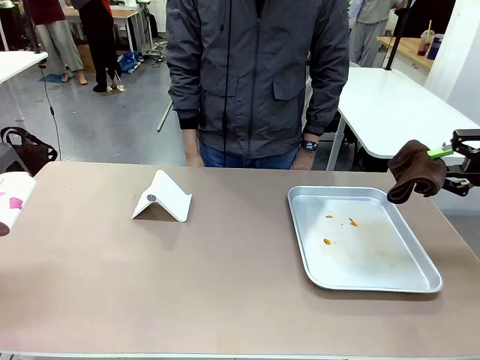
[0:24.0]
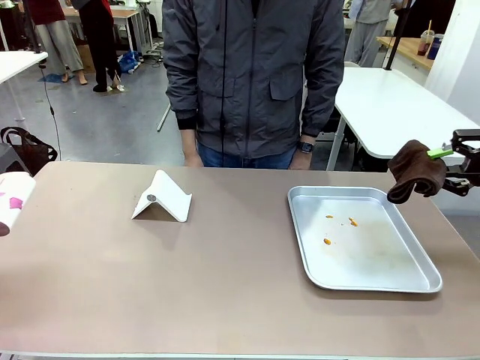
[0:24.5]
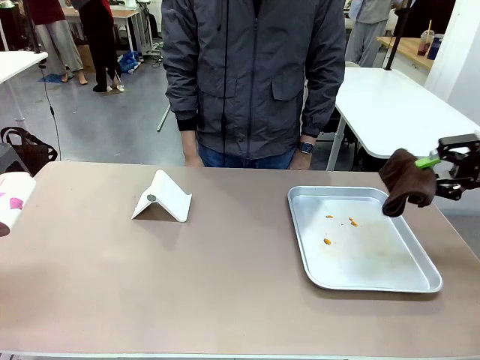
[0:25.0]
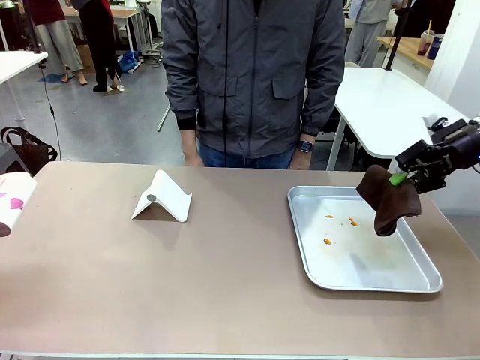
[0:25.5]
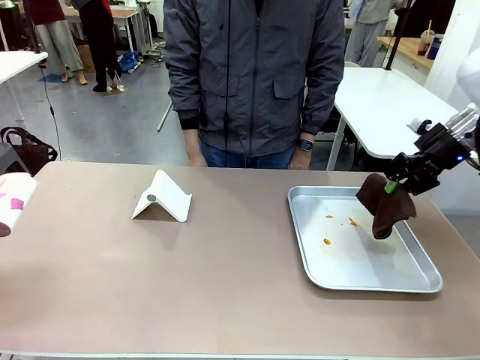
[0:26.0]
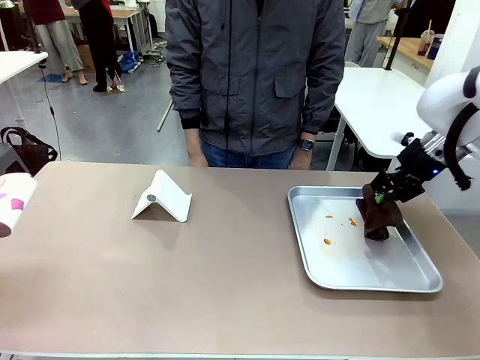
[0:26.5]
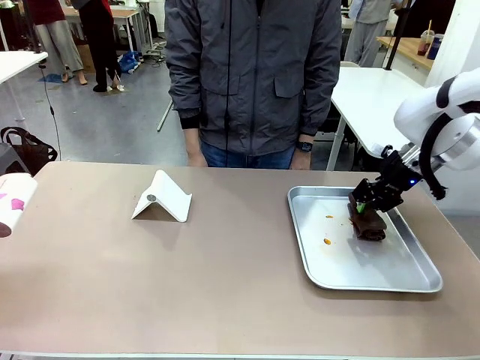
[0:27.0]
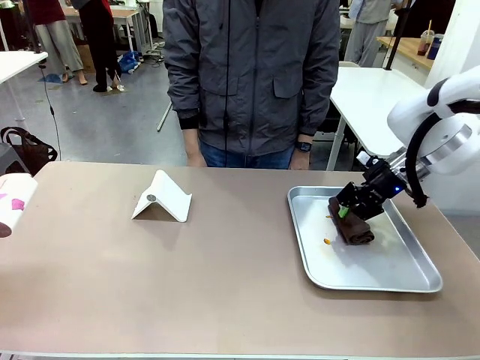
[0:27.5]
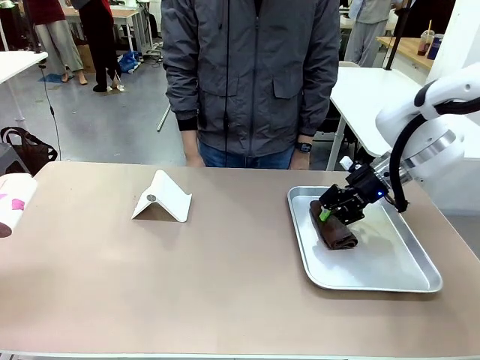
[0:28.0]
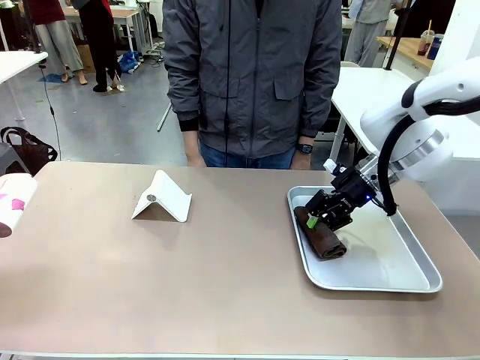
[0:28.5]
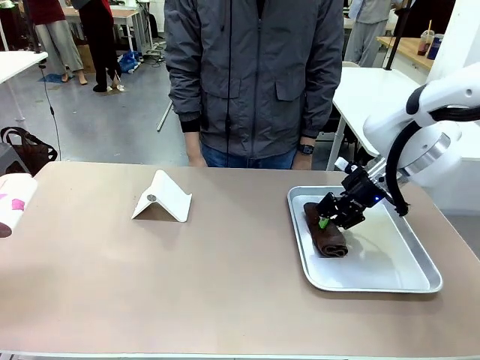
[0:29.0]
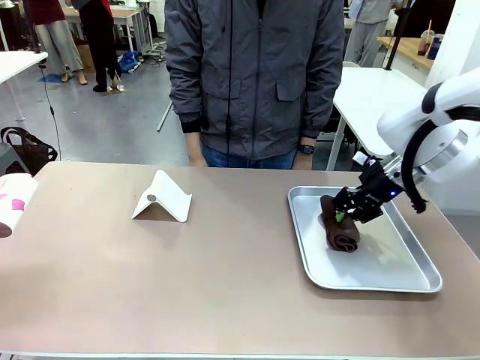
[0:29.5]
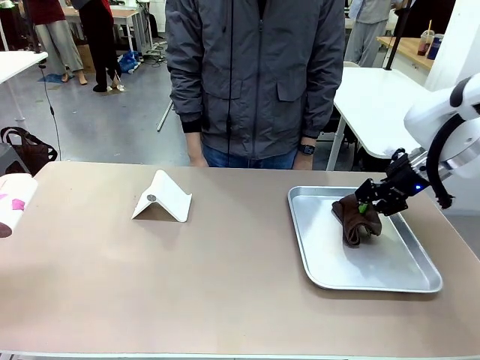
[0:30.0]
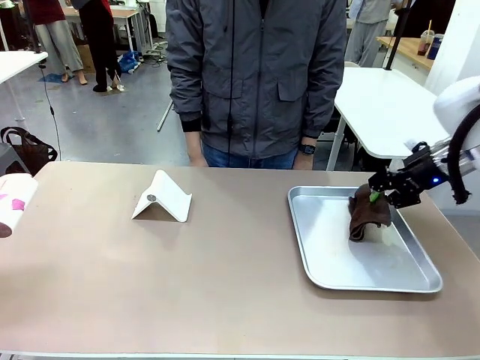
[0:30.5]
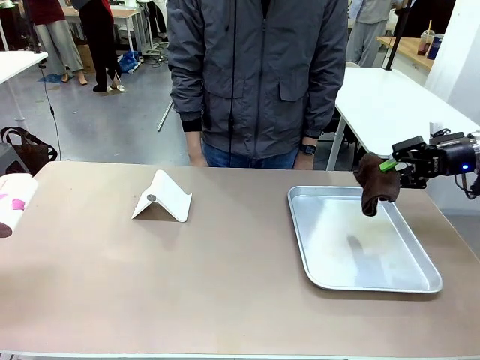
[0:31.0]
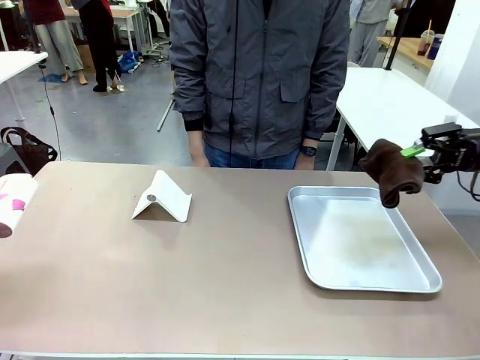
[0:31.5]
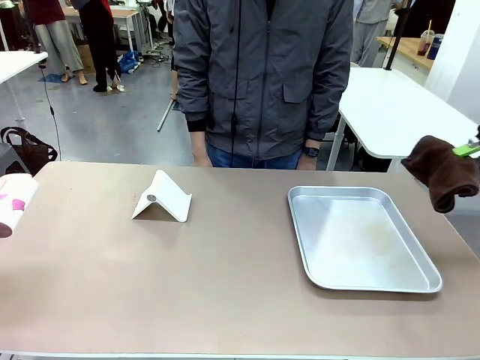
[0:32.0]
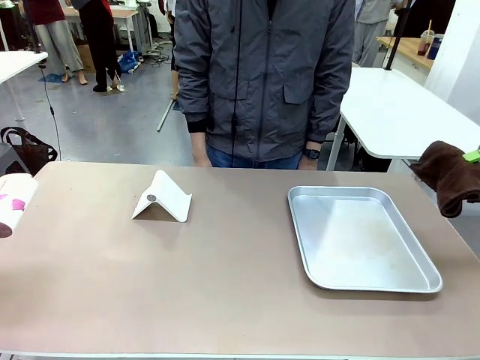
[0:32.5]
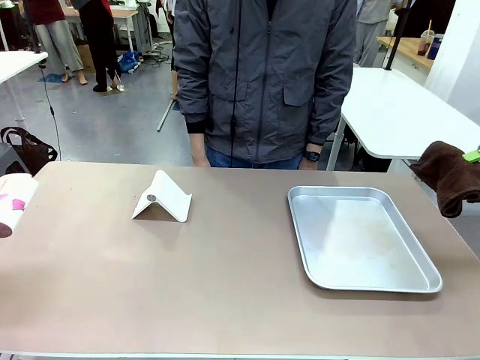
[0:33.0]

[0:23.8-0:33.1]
Task: Clean the surface of the table.
Robot: Clean the area not pointed to by the person.

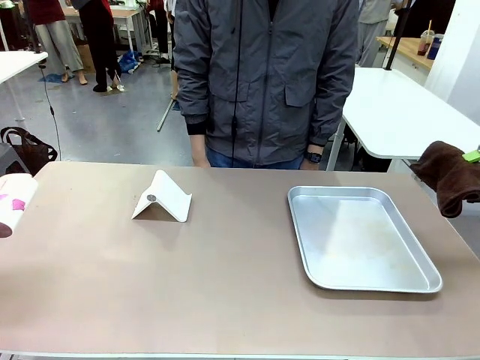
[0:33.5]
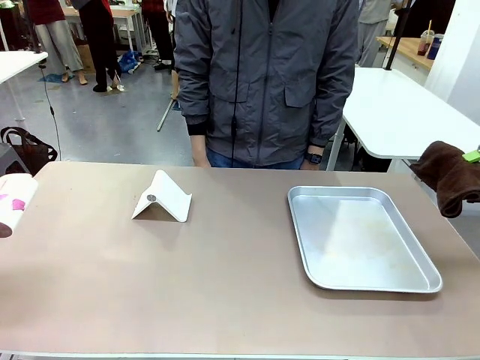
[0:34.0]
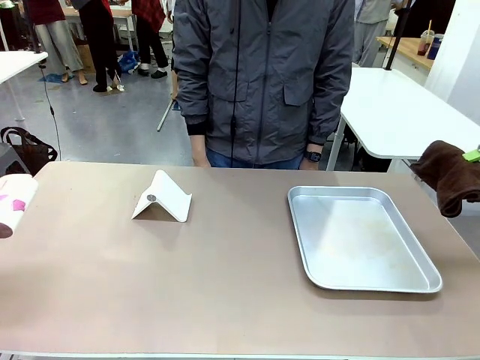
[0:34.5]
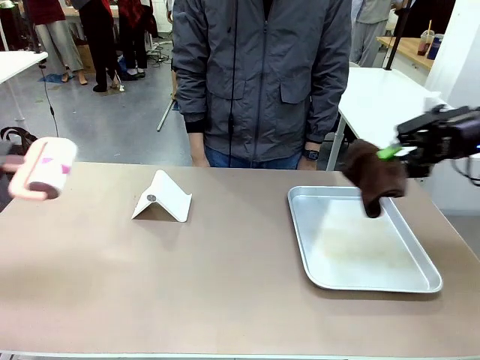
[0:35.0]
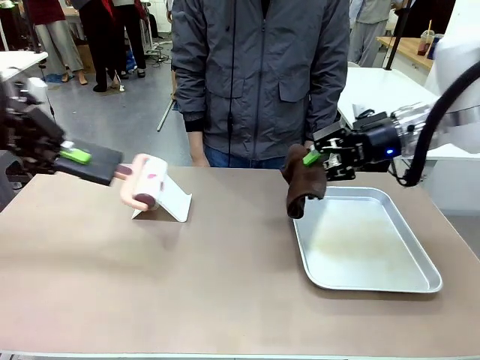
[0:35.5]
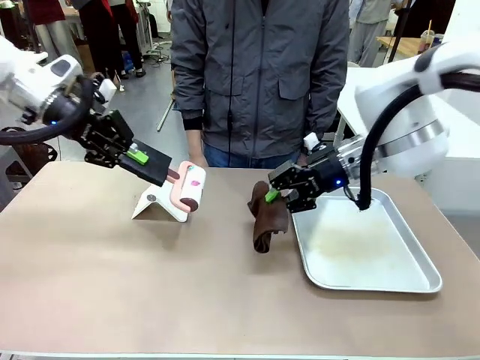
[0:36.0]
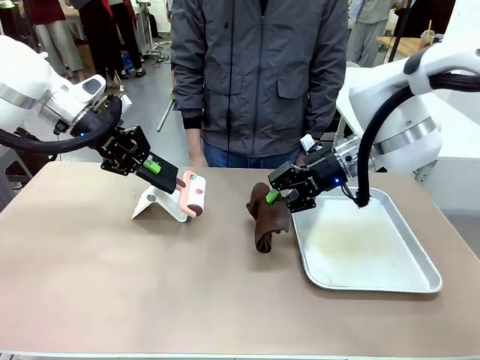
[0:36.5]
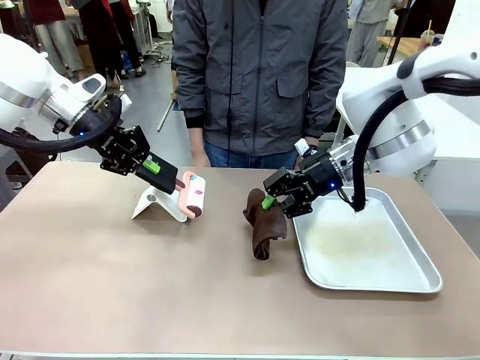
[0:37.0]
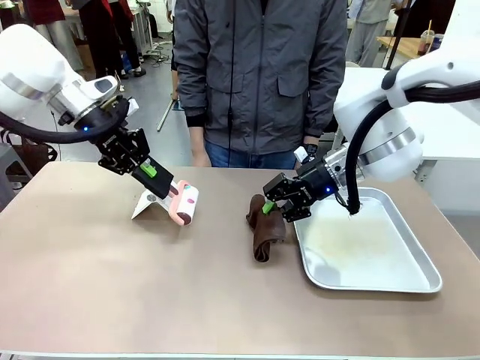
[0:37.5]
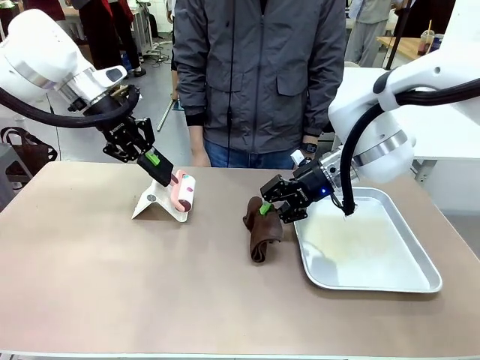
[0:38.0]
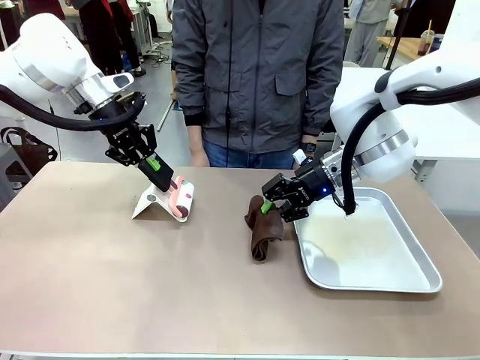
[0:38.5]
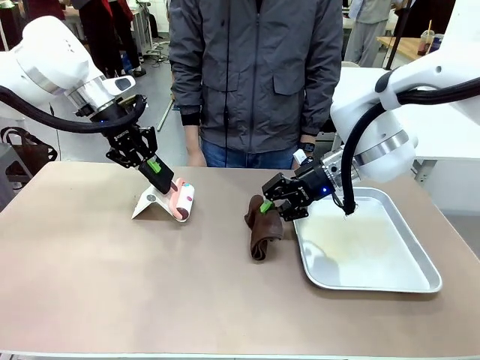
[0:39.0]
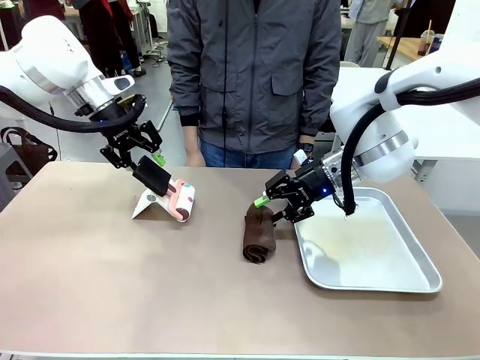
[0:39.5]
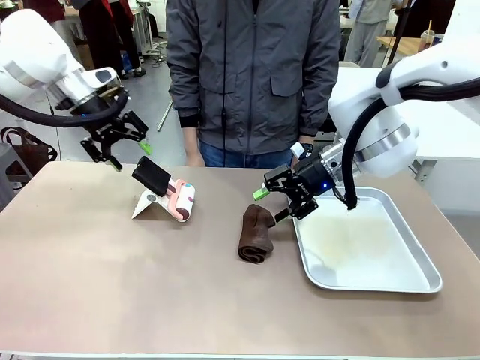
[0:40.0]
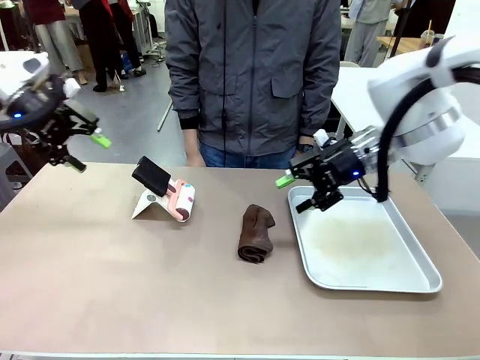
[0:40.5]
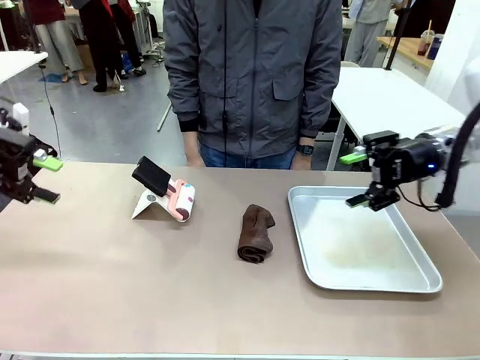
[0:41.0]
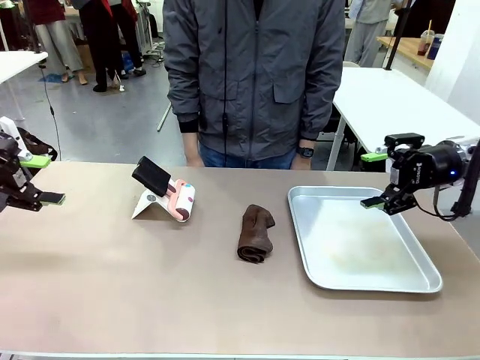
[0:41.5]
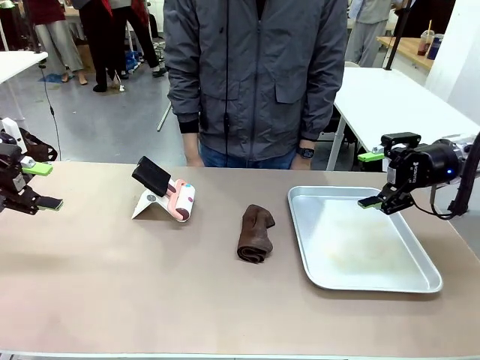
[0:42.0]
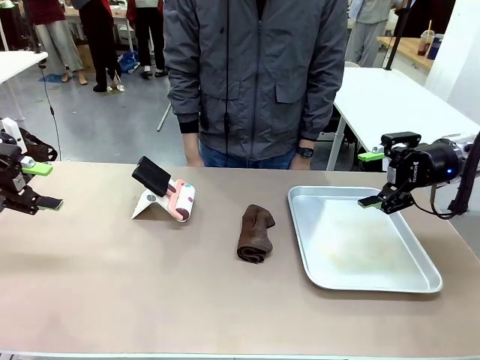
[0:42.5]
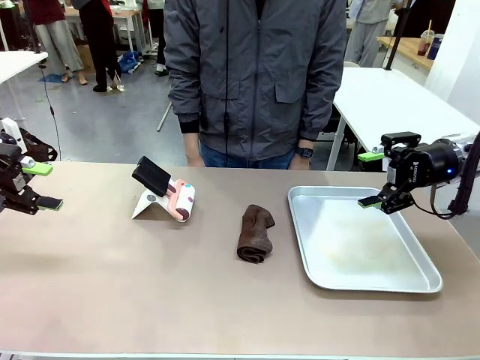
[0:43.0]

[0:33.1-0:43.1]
Robot: Return the Lint Roller and towel to their original positions.

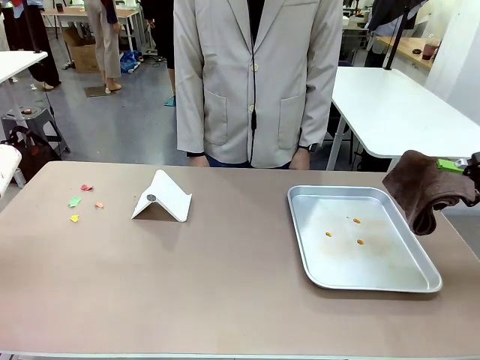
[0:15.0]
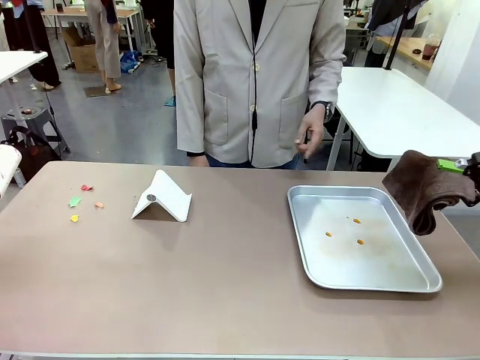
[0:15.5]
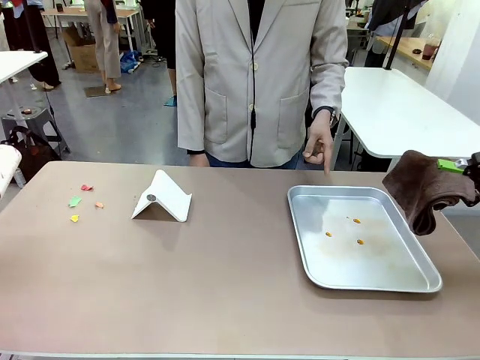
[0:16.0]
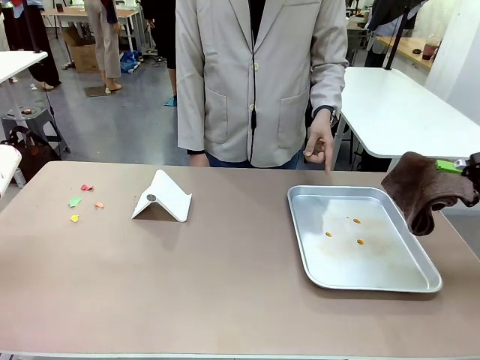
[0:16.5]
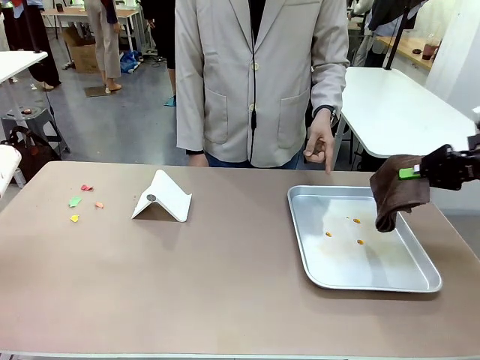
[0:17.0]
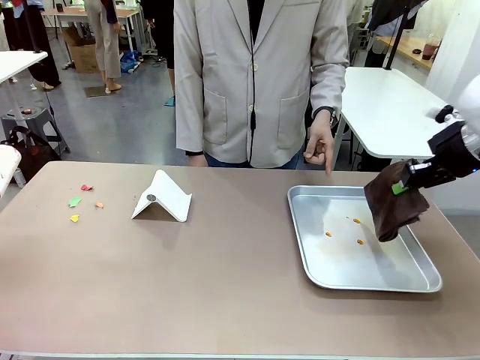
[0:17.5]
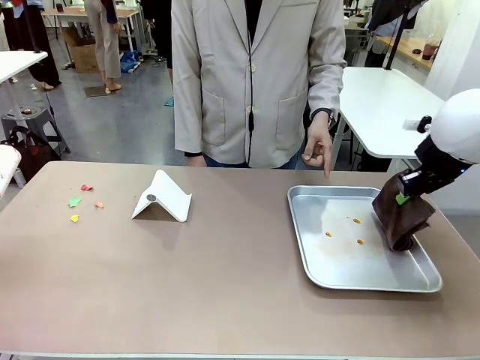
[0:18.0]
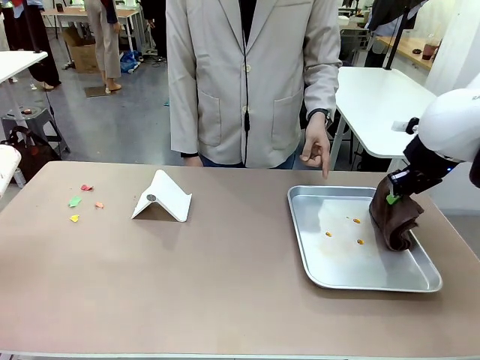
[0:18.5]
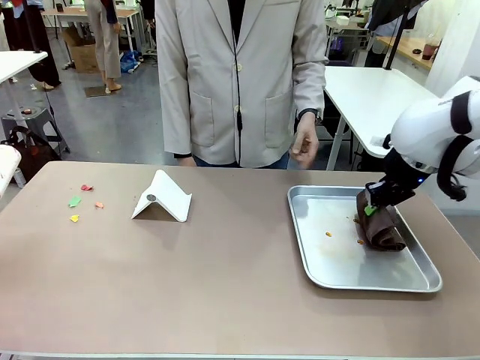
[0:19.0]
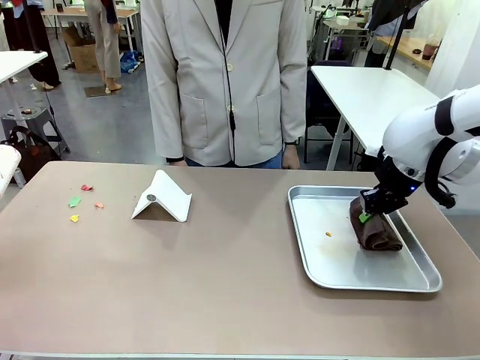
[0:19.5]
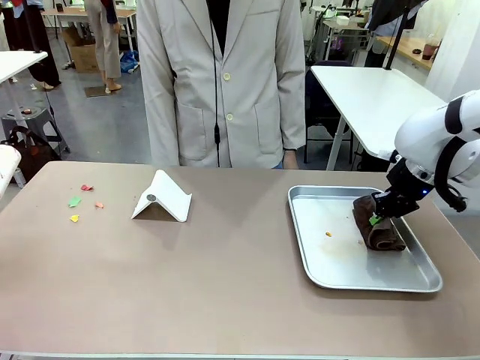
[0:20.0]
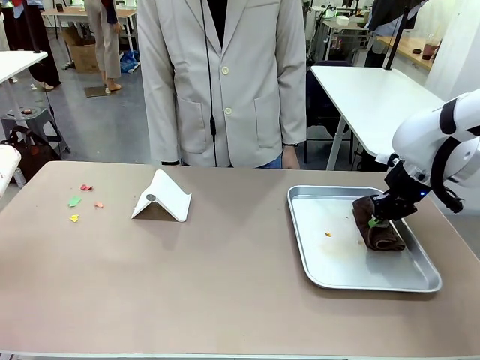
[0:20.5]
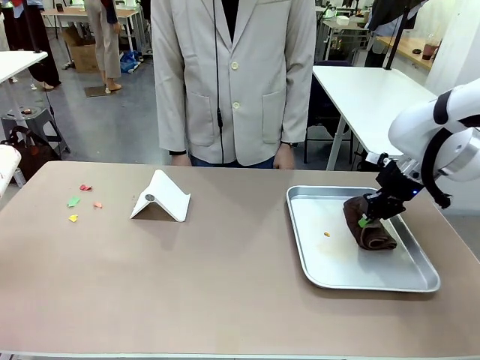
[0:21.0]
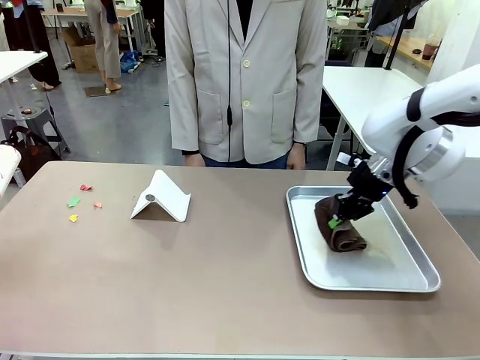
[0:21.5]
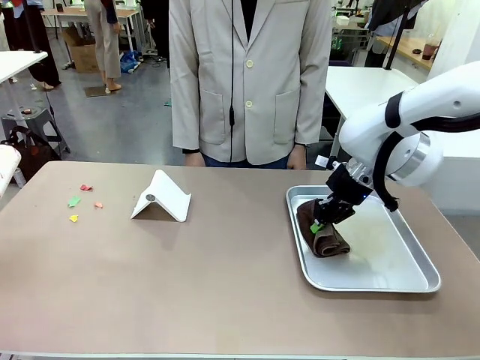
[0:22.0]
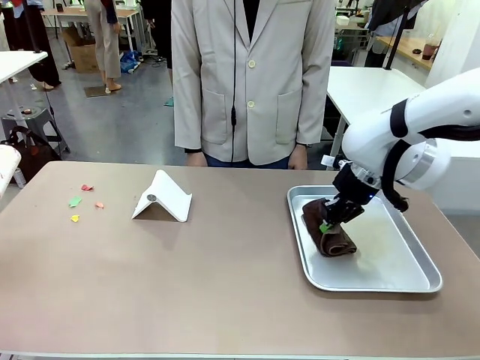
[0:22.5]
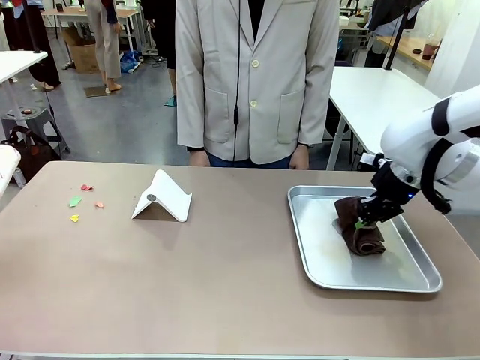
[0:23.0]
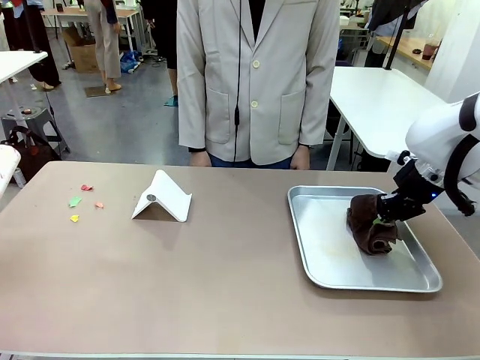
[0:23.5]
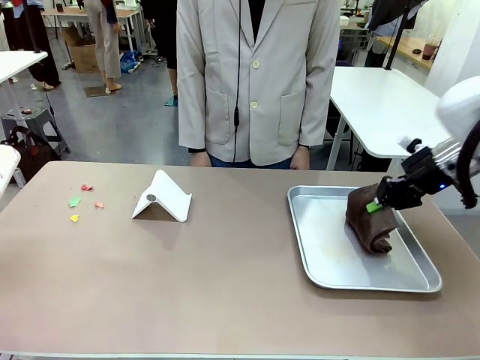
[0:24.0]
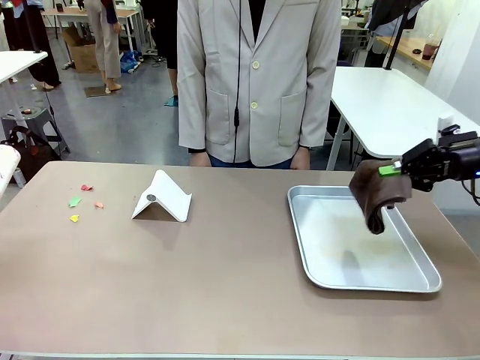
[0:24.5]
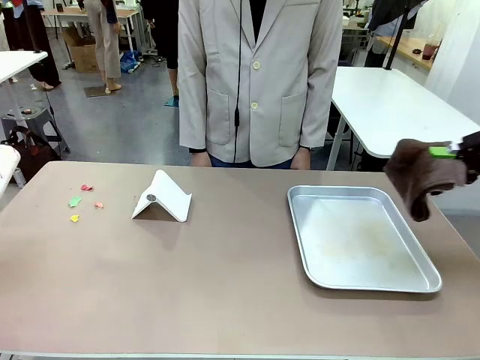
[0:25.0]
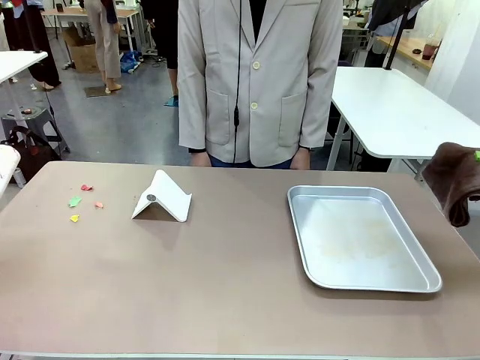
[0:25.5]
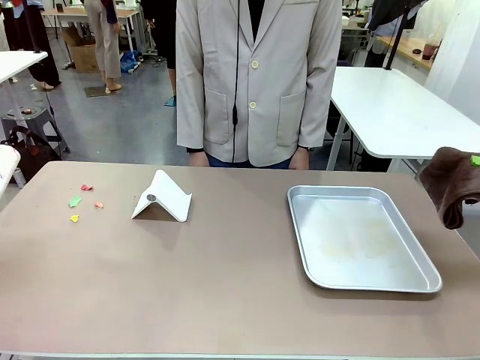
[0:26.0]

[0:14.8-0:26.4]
Task: Clean the surface of the table.
Robot: If a person points to the right, clean the right side of the table with your right hand, and if they point to the left, clean the left side with your left hand.
